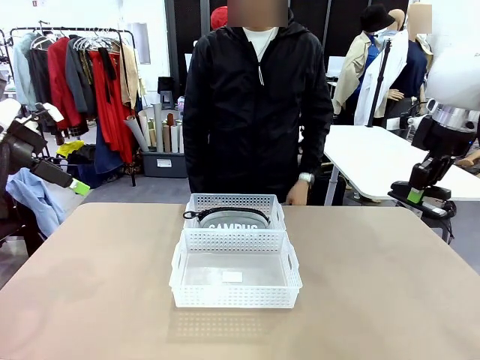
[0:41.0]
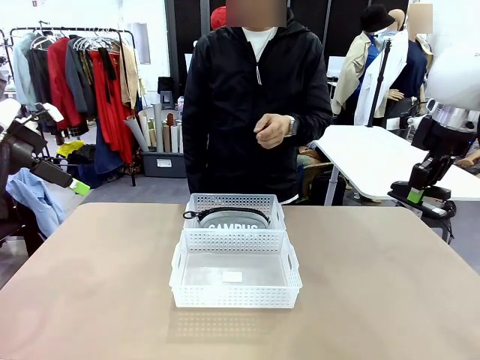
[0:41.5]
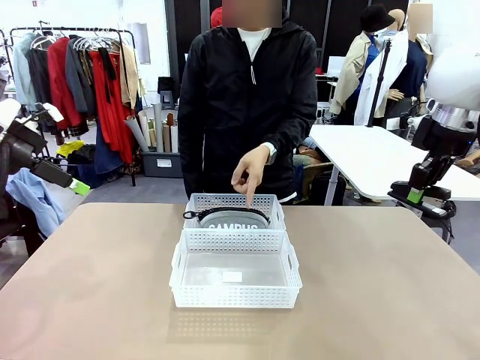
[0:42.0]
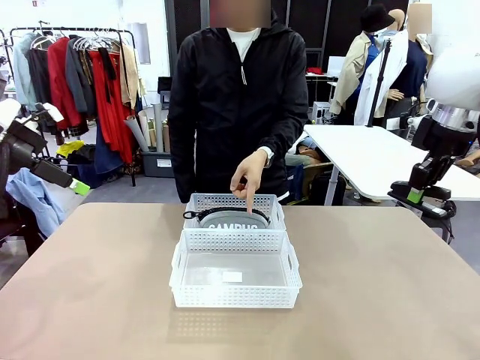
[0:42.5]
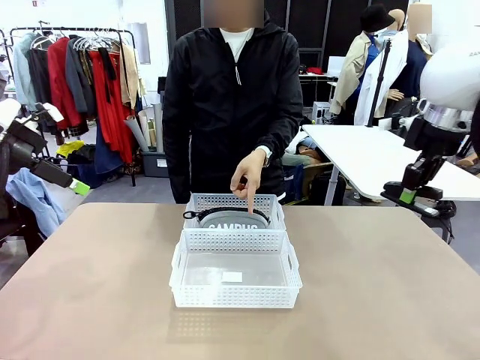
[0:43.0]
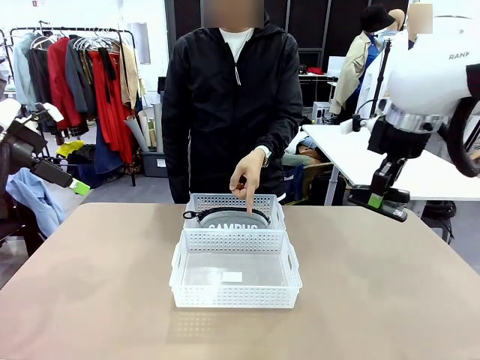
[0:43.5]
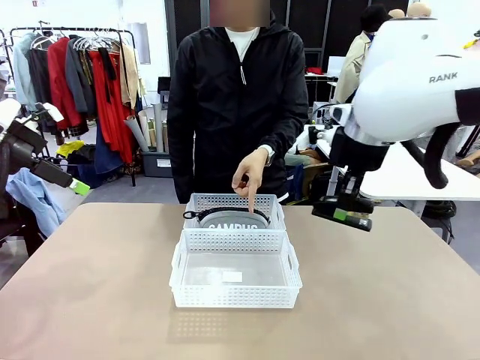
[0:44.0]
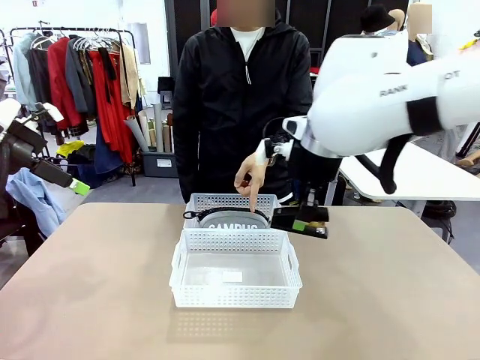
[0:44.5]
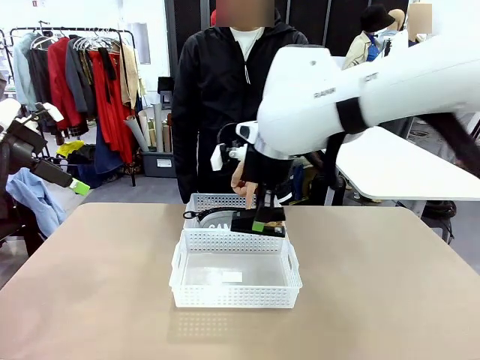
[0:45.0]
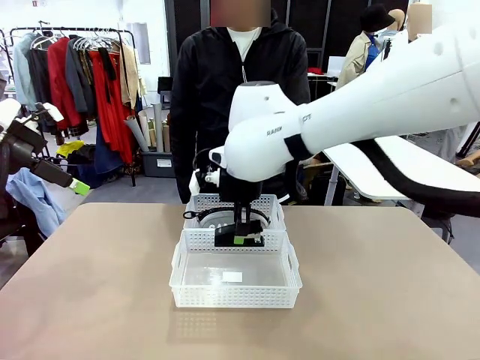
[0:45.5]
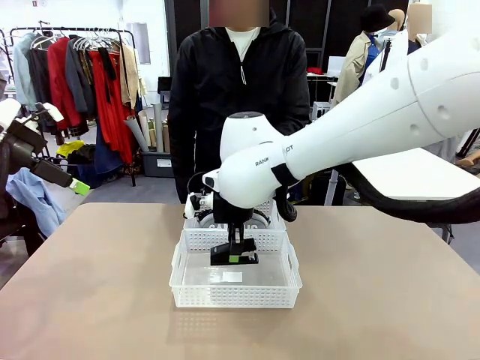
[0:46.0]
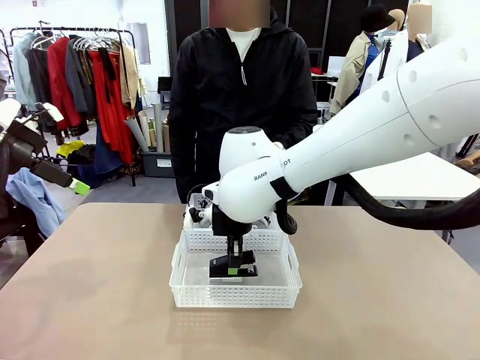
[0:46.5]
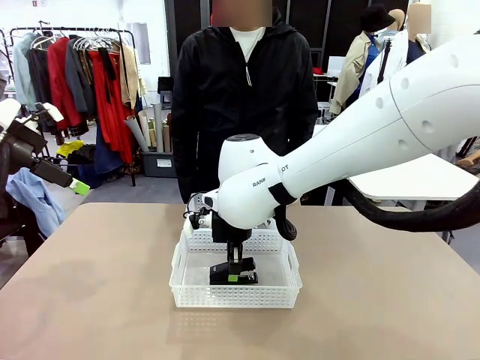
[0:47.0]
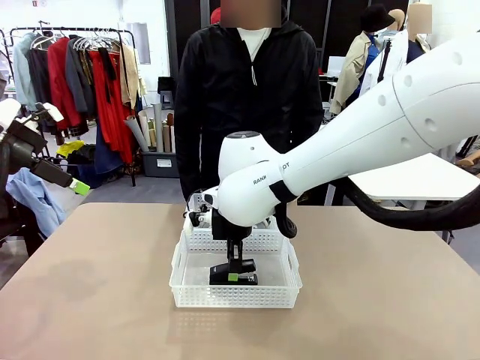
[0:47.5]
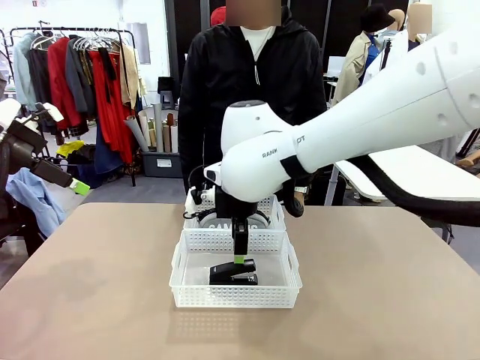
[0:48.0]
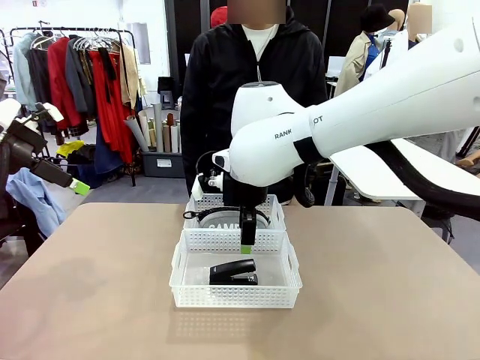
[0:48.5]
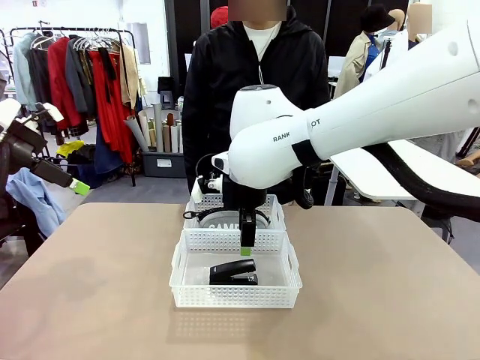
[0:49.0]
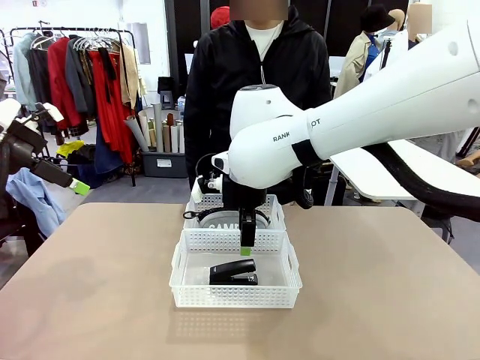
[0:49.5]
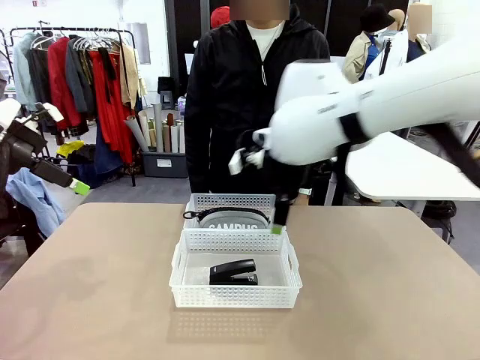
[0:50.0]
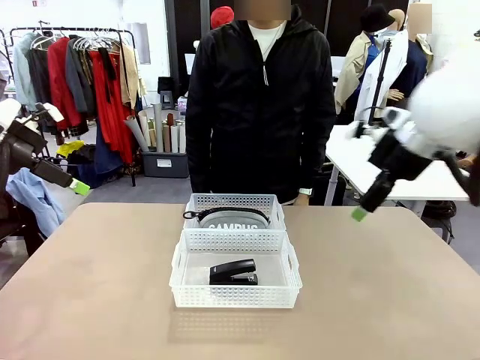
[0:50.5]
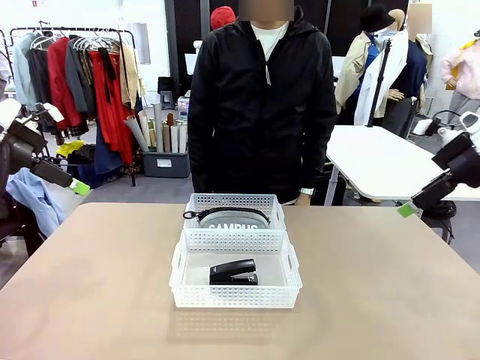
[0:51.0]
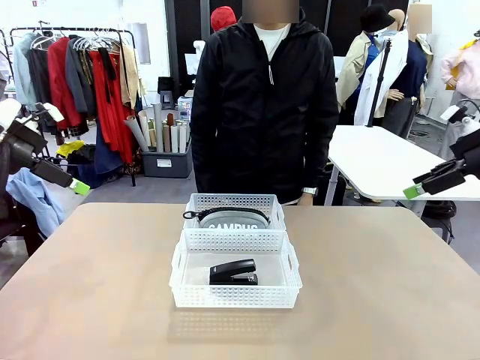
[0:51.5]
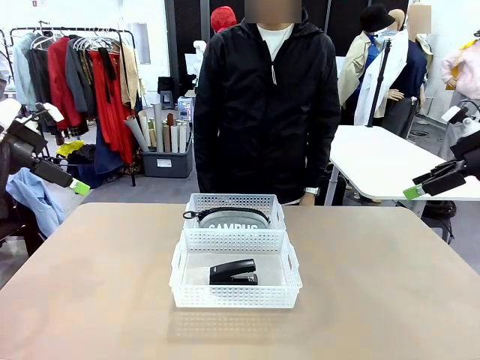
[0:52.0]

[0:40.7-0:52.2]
Task: Distribute items into two baskets.
Robot: Place the picked Stapler into the Organizing basket as instructed by the person.
Person: Points to the basket that does not contain the pencil case and instructs the robot to move the stapler there.

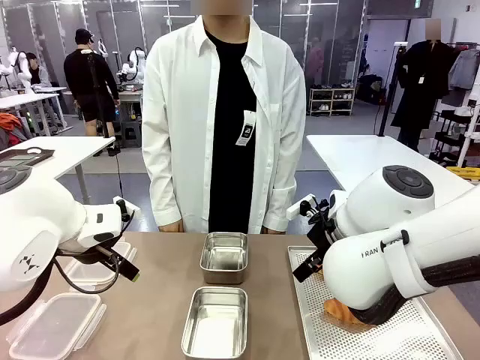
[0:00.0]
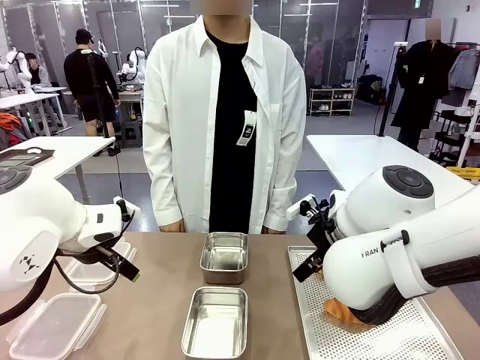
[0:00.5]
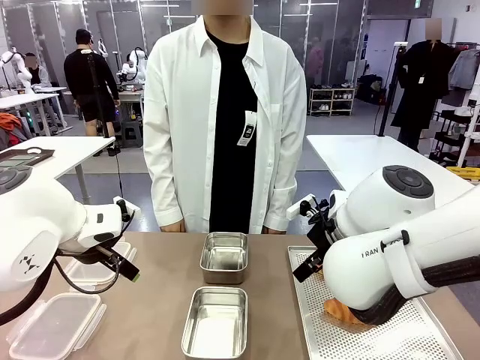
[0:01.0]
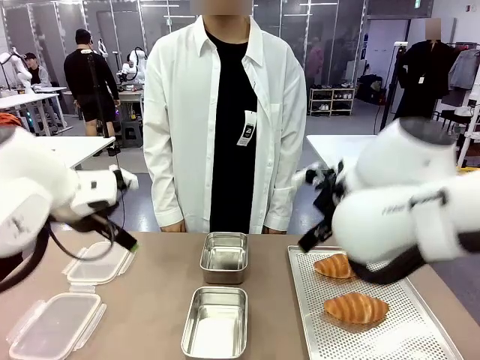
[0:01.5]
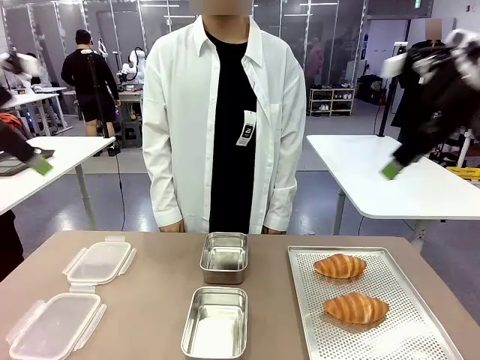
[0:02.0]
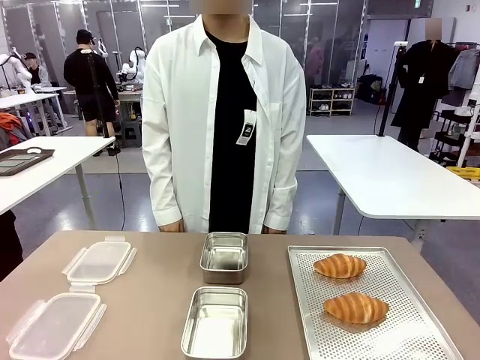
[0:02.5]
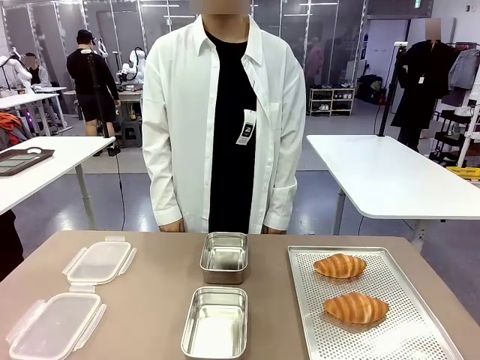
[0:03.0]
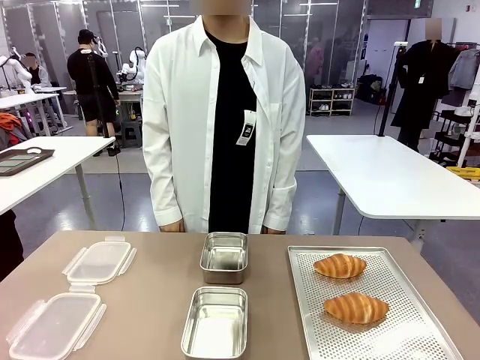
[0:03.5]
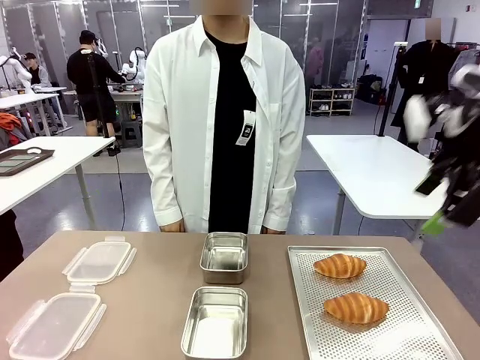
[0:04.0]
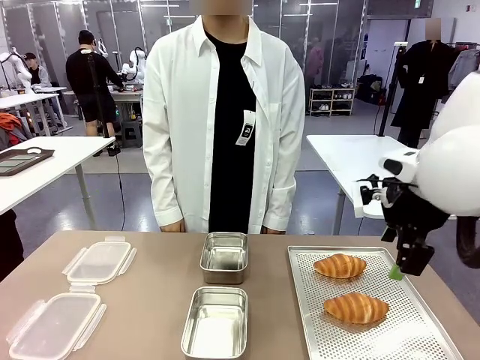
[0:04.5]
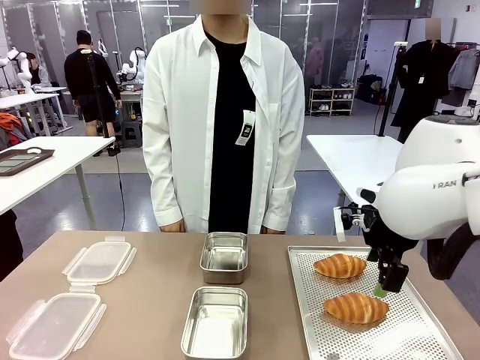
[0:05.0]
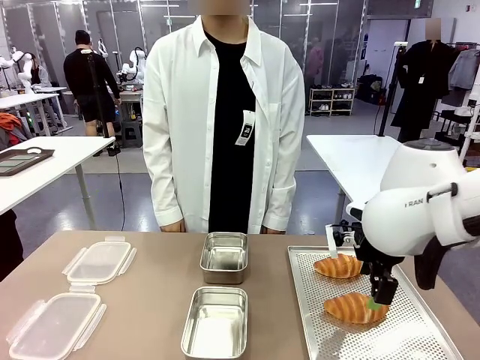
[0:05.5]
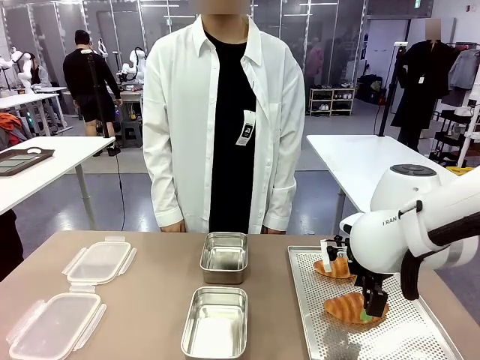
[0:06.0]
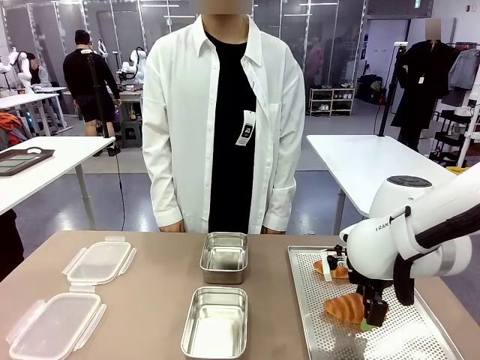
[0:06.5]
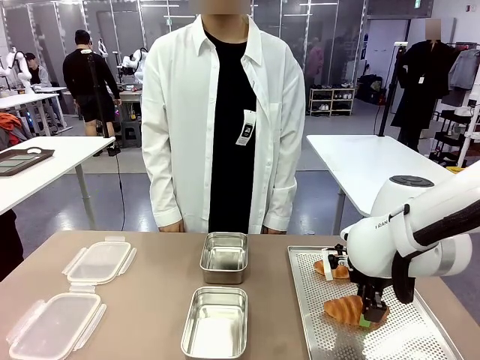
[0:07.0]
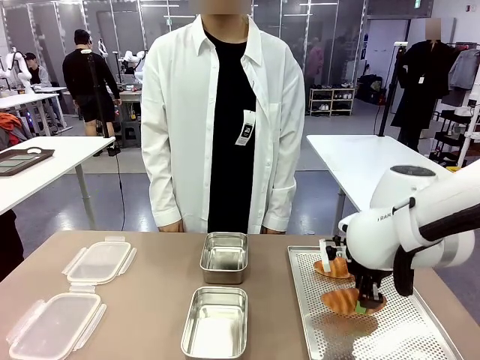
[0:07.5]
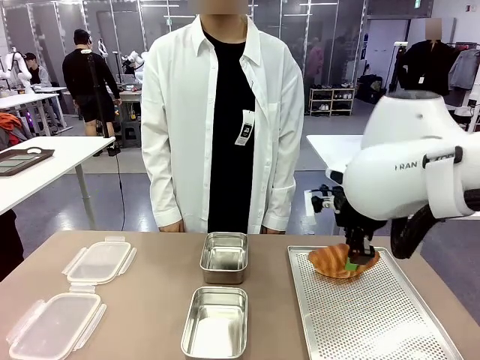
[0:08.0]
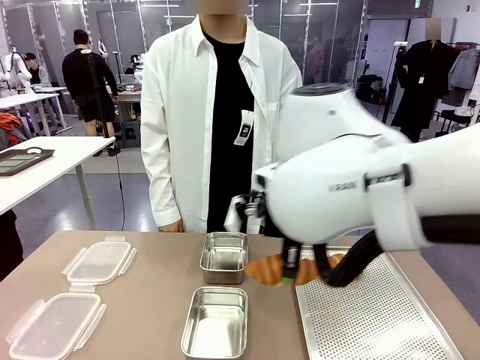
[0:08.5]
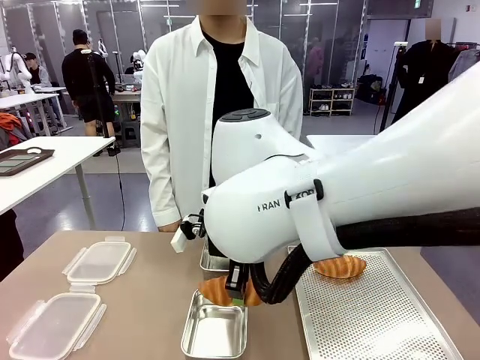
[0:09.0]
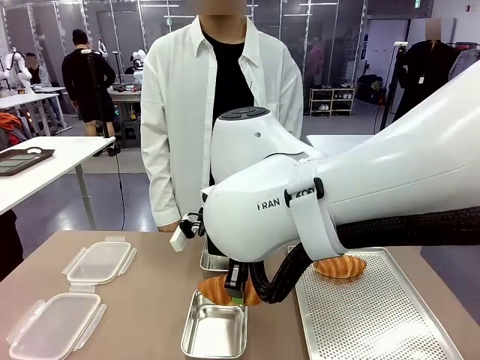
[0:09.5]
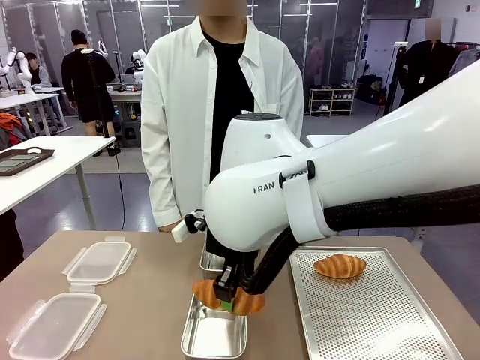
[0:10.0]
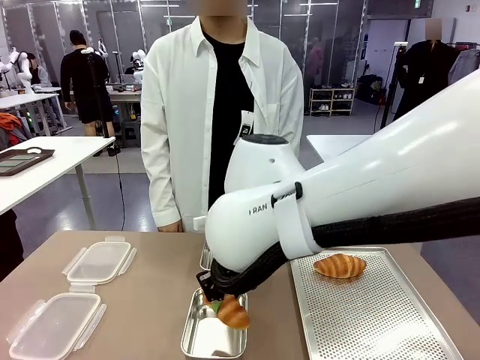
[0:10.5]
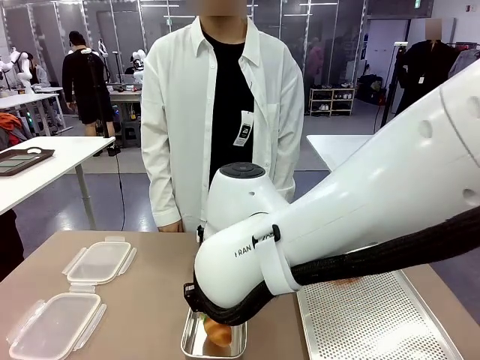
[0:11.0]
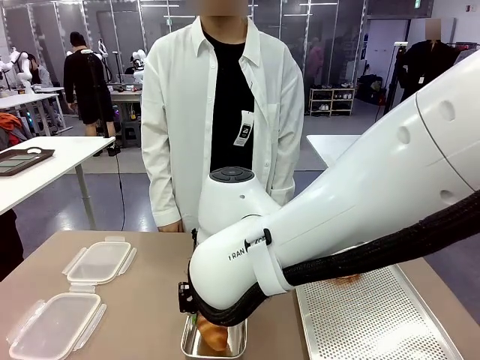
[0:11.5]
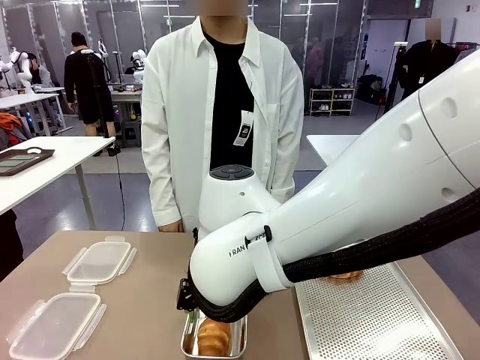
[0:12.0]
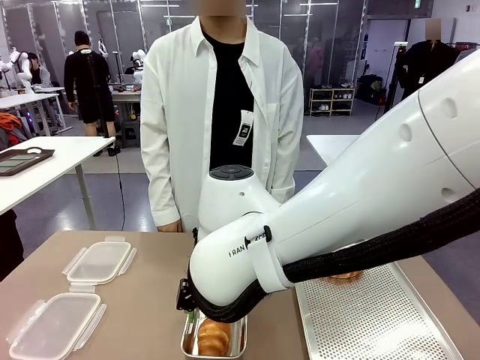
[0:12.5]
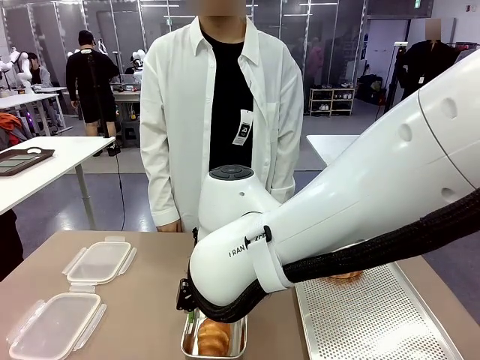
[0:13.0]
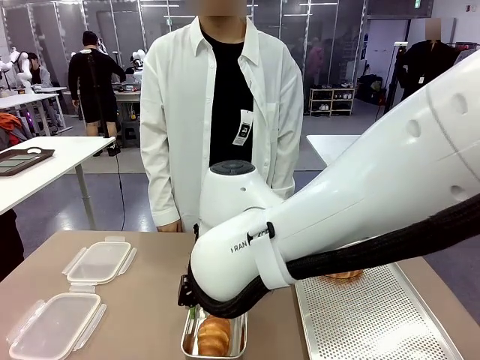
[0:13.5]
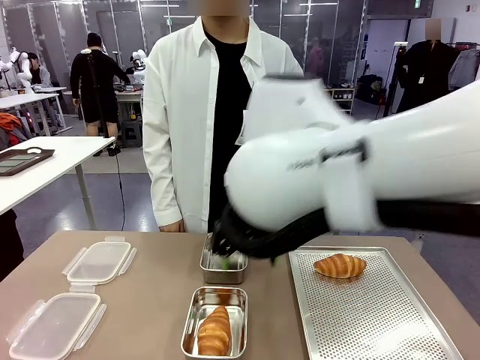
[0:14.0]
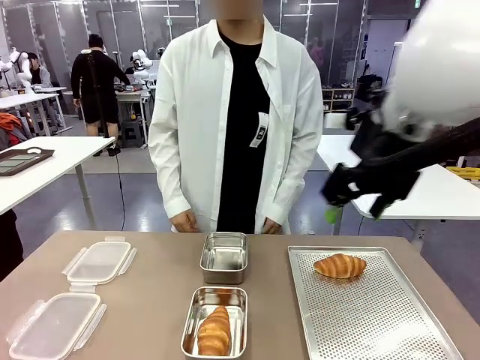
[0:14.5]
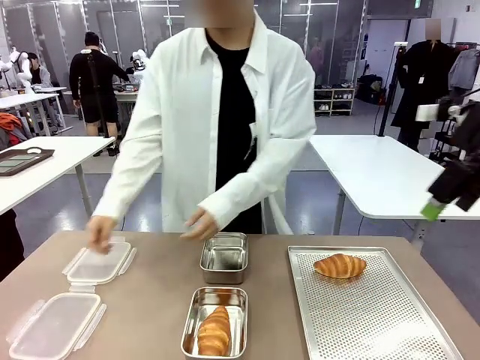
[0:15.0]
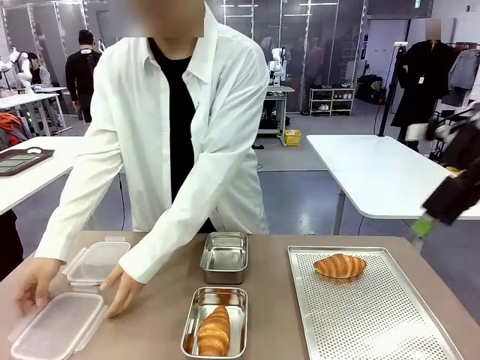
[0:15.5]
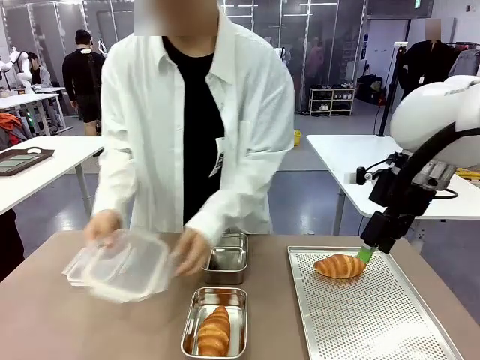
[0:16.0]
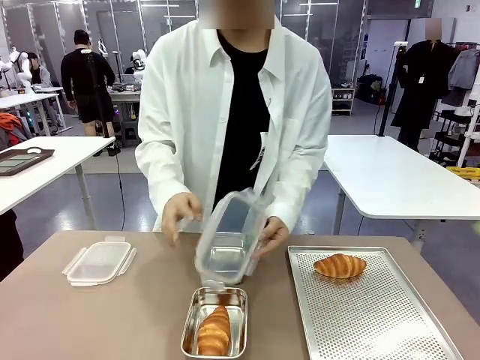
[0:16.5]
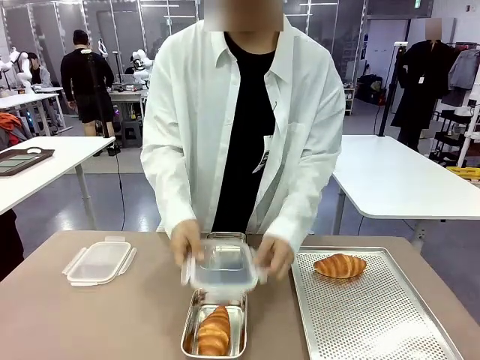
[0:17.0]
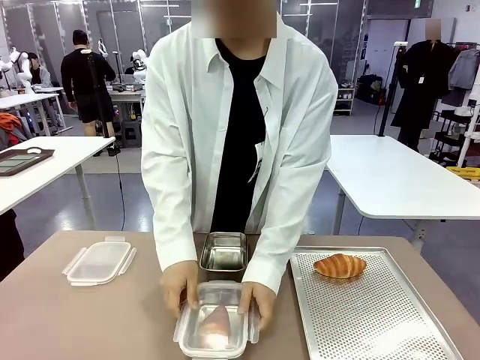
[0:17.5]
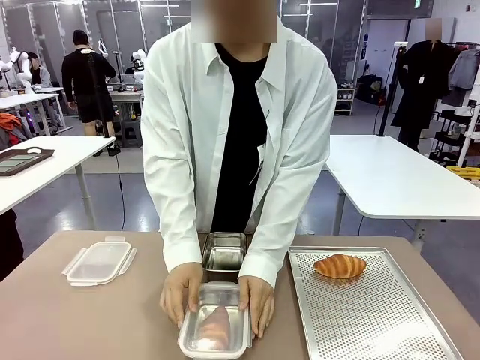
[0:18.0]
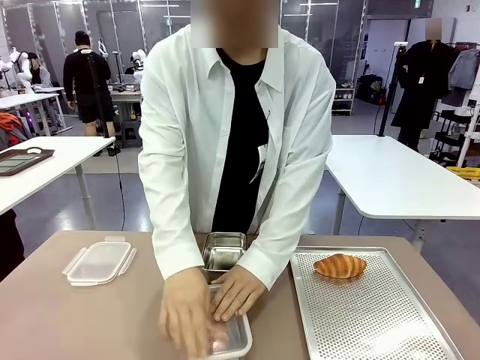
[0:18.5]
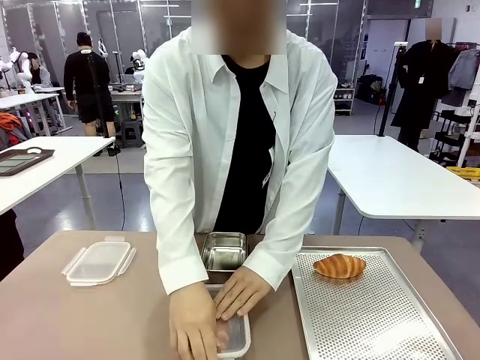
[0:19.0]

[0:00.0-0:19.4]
Task: Place the bread into the airtight container.
Robot: Pick up a Butter Roll and place it into an empty Airtight Container.
